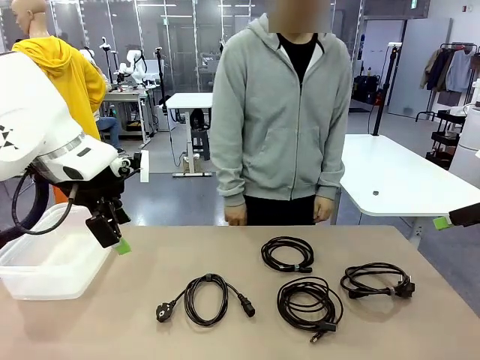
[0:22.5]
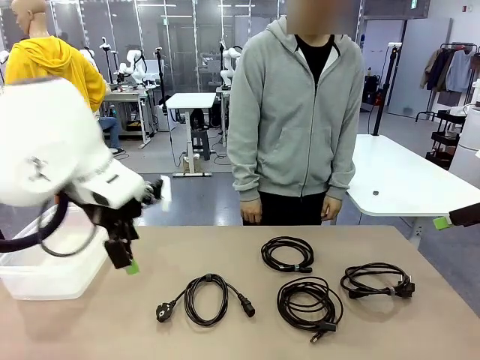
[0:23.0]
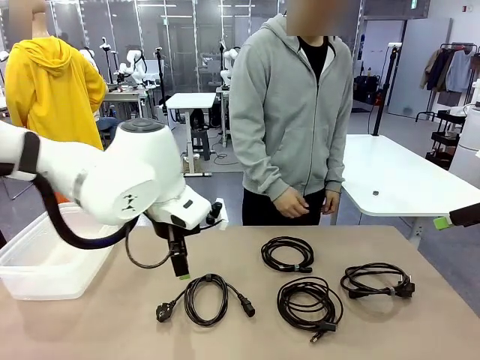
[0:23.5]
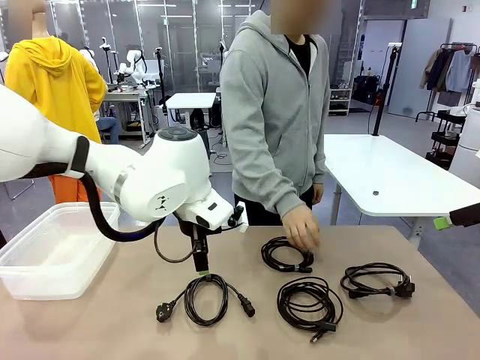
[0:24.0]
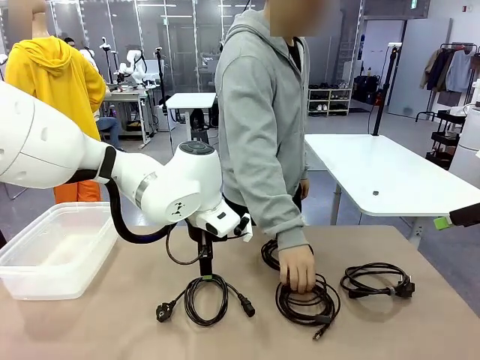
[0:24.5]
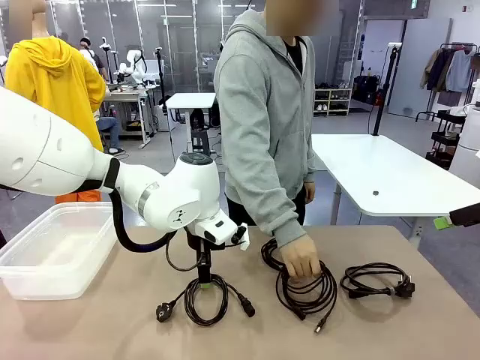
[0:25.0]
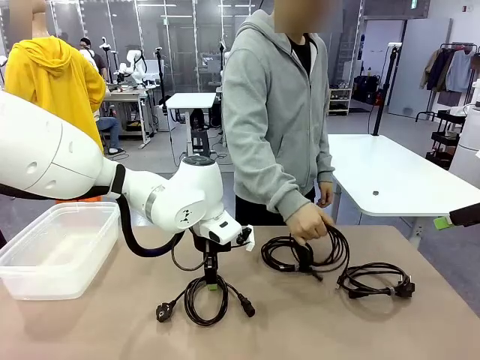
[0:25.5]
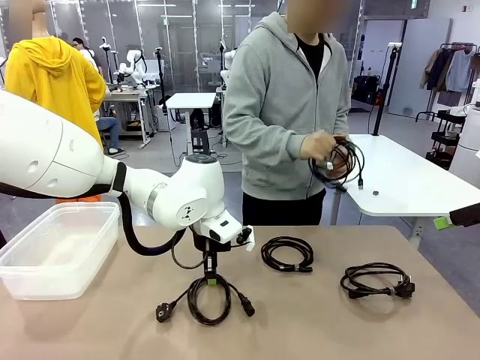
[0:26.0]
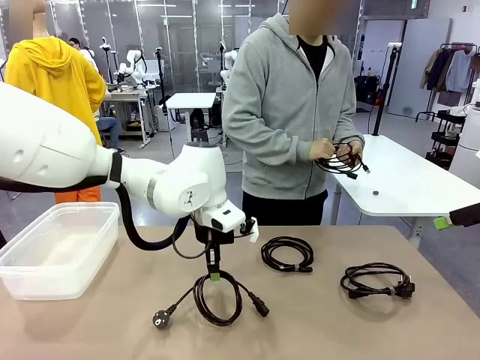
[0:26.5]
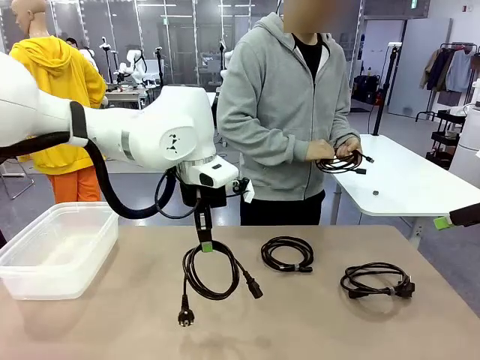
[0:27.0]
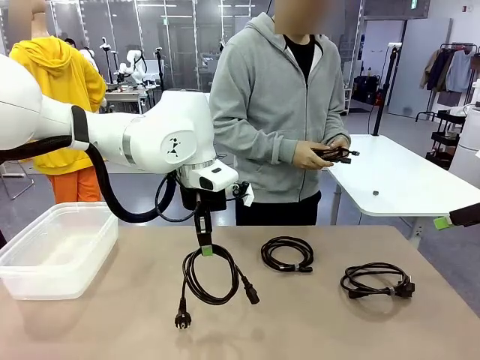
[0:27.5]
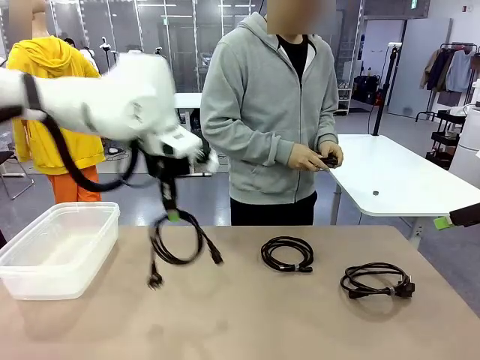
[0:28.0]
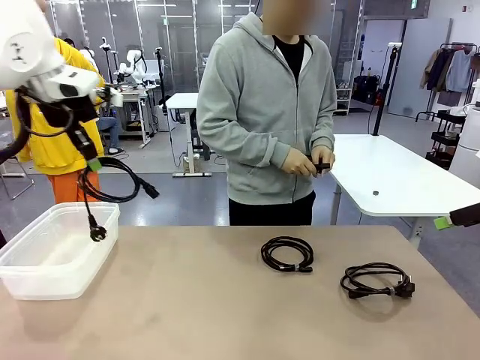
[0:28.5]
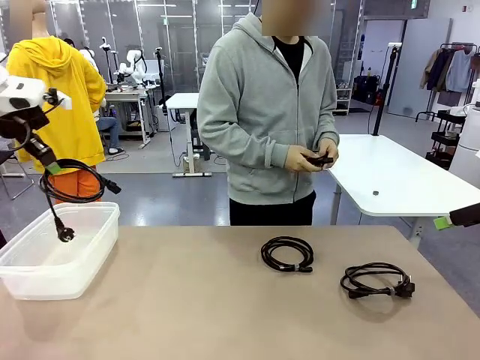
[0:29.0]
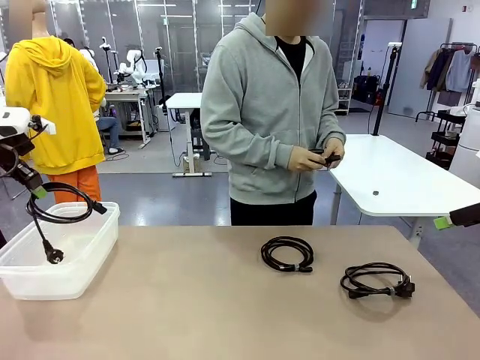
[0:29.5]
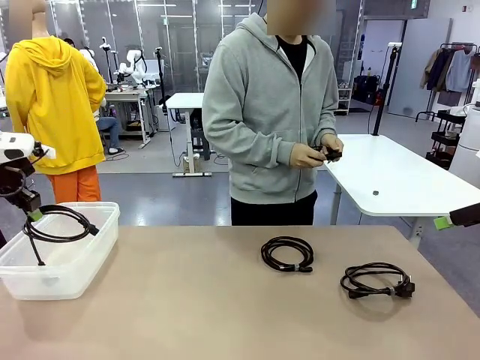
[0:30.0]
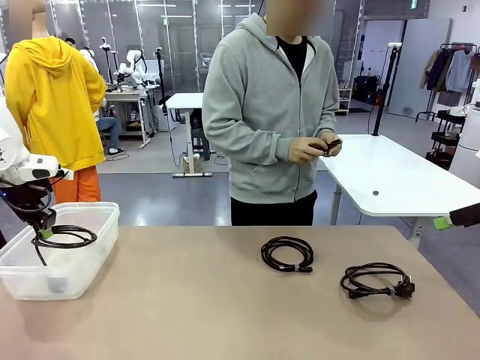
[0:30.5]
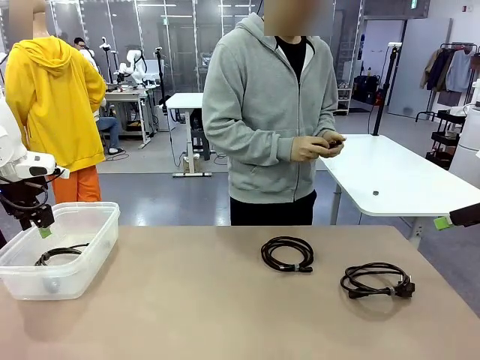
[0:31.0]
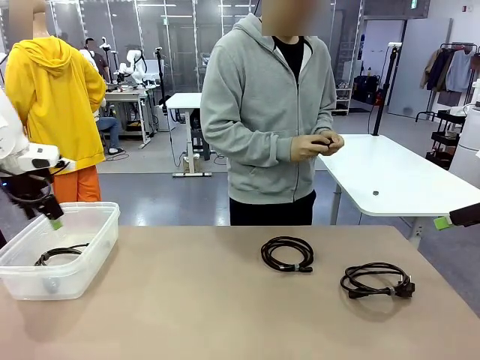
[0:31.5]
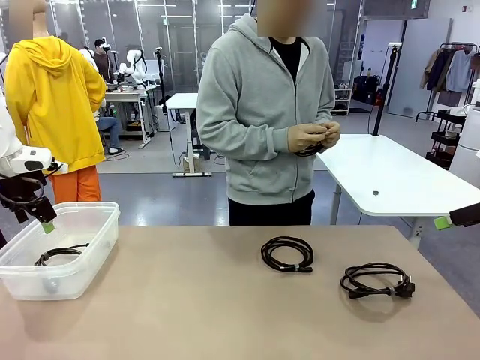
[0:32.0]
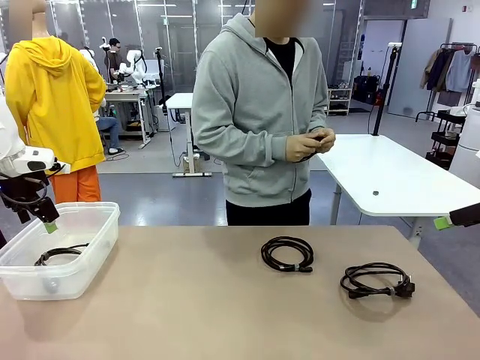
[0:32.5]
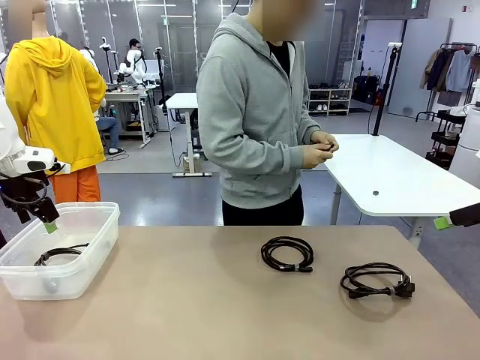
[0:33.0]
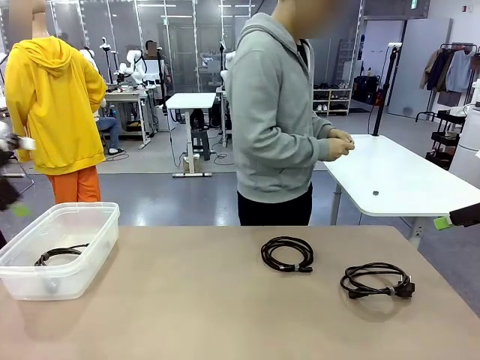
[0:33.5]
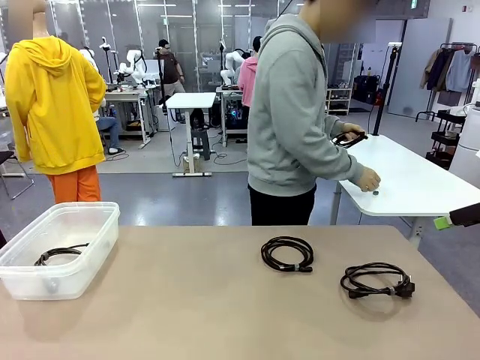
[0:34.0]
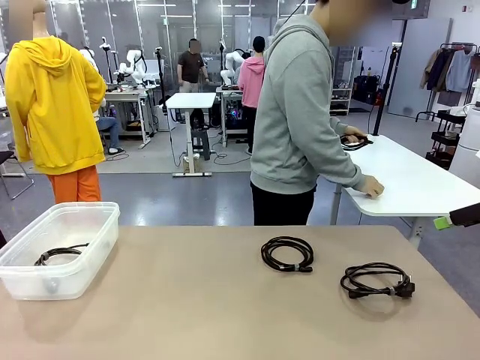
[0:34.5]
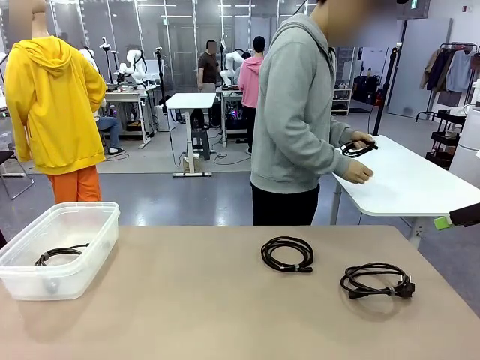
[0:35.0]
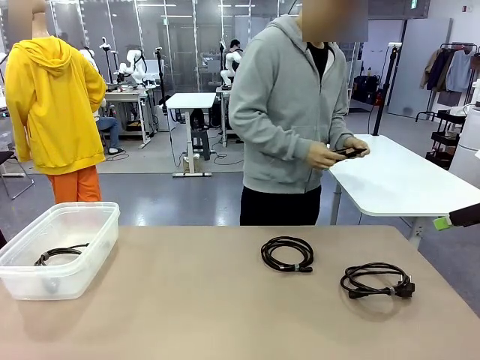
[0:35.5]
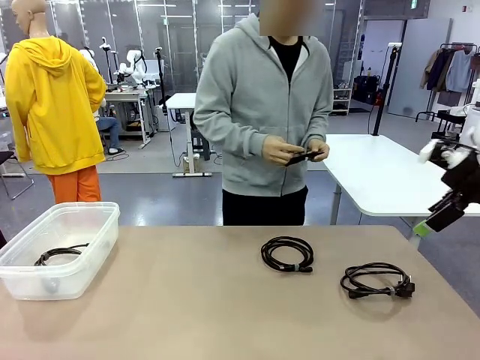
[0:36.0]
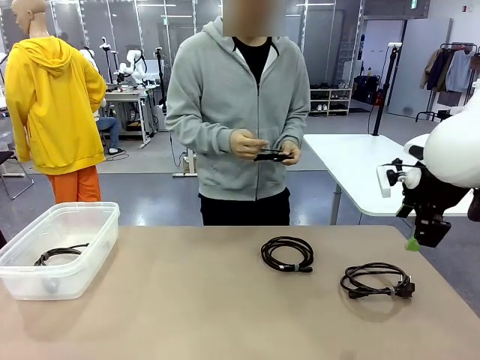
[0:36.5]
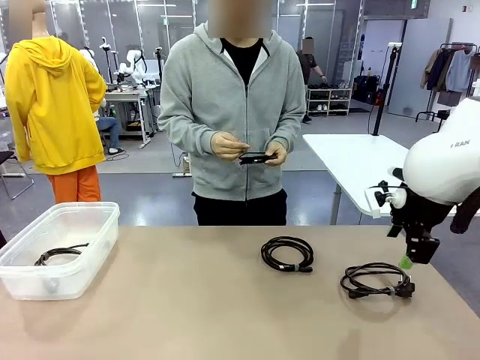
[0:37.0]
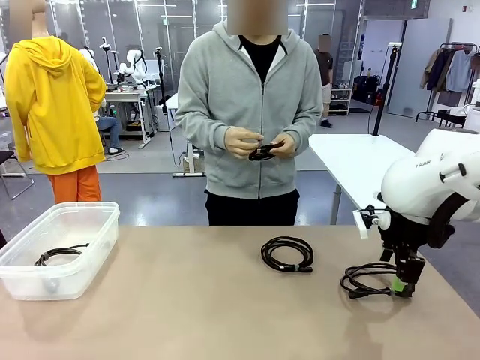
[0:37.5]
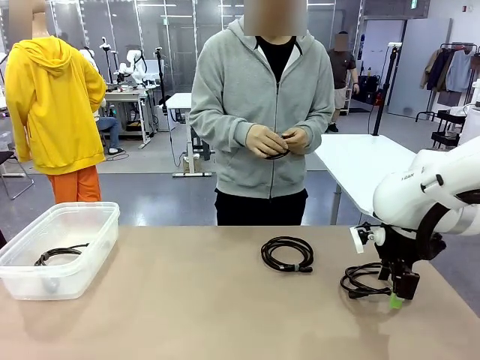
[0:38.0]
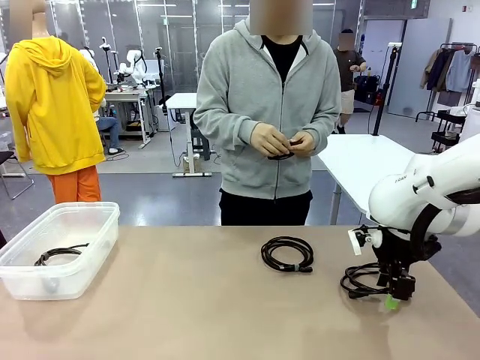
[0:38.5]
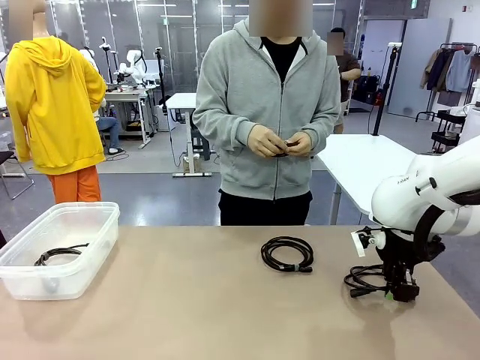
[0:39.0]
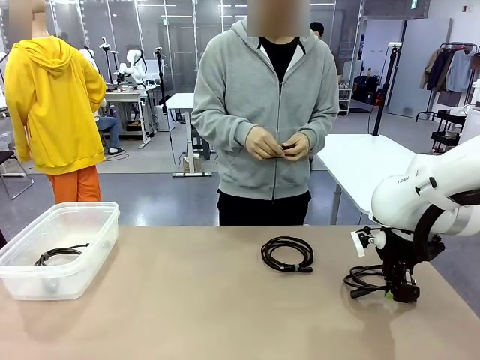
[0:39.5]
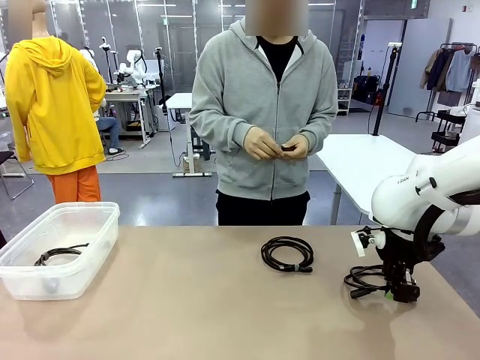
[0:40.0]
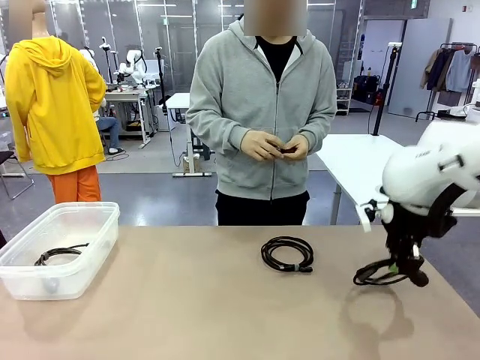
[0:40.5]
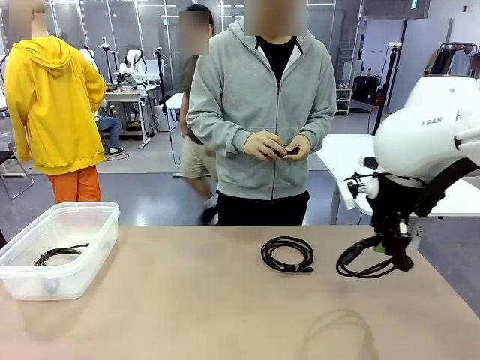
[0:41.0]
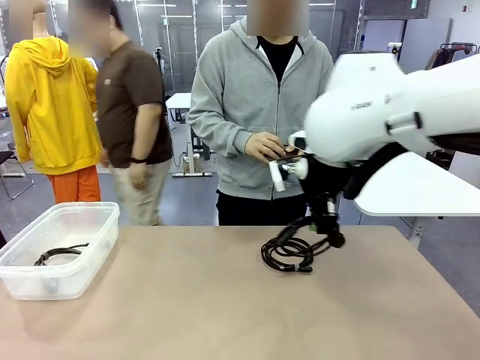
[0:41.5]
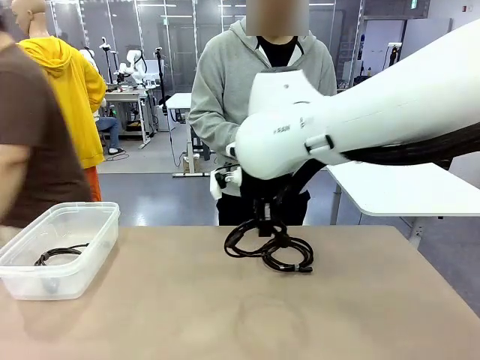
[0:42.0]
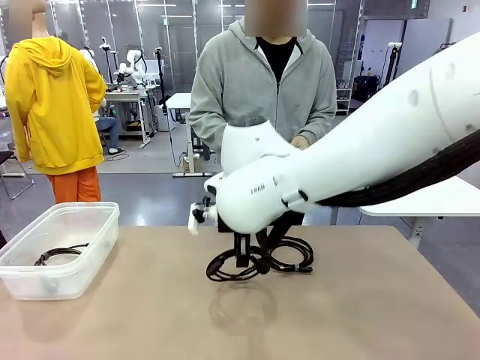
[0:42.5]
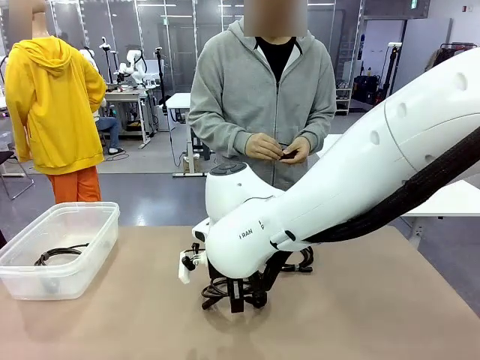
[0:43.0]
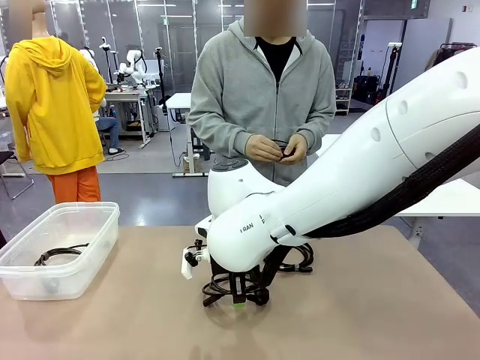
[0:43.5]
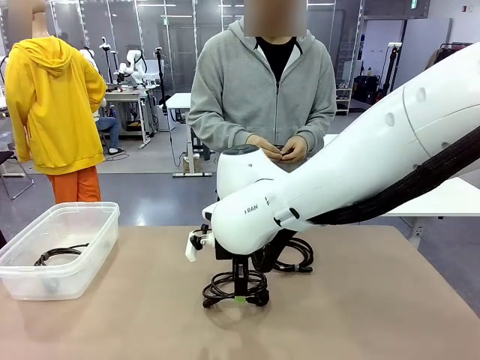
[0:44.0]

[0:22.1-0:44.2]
Task: Organize and store the cables.
Robot: Place the Power Cable into the Organizing box.
